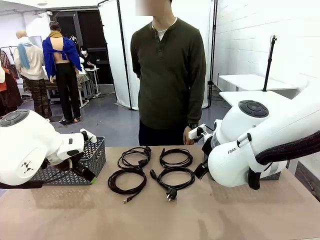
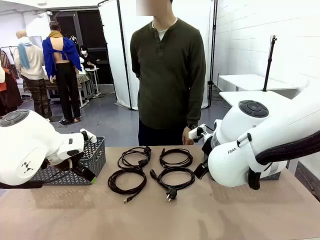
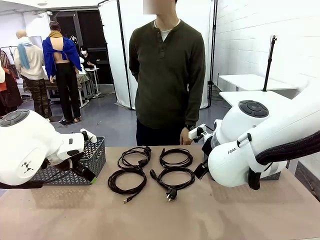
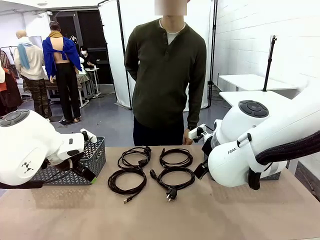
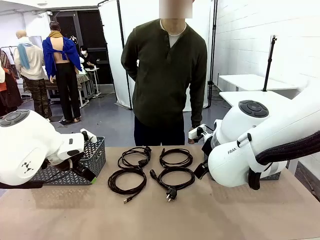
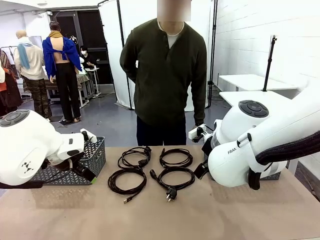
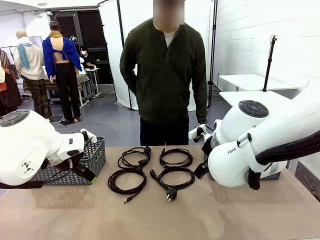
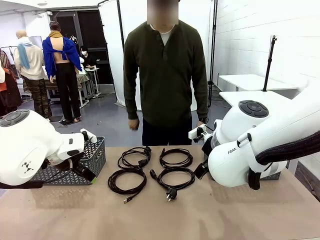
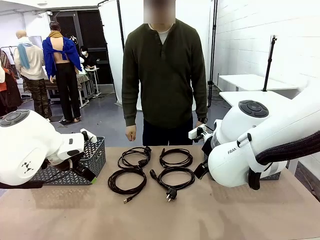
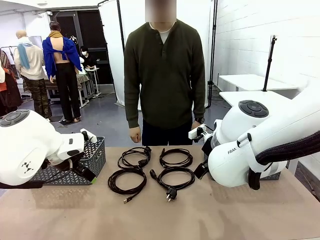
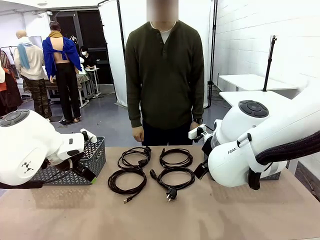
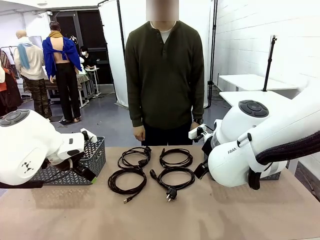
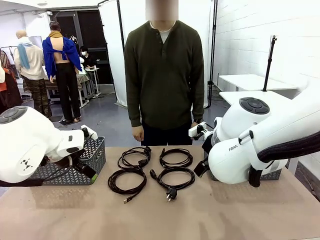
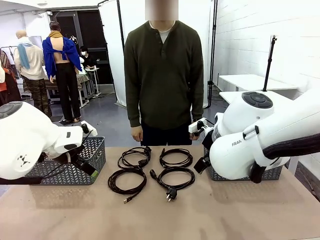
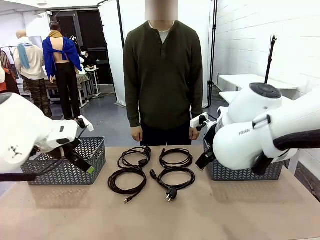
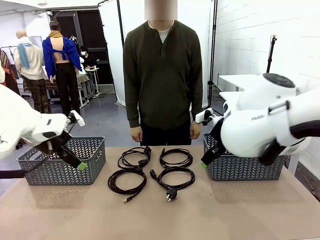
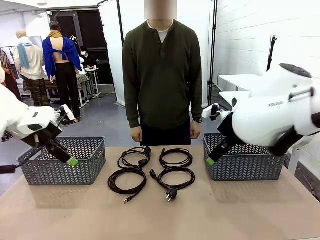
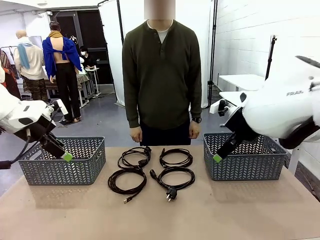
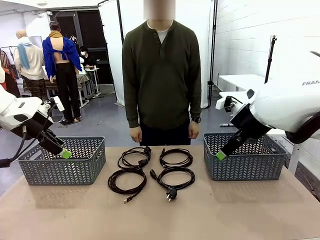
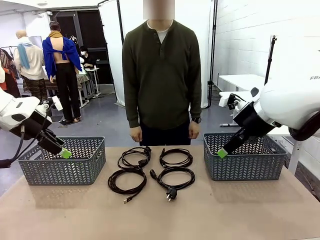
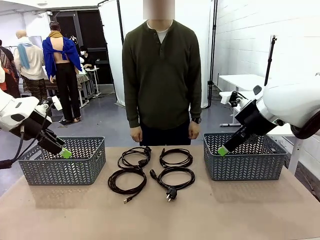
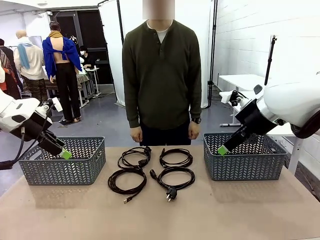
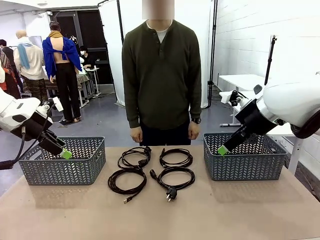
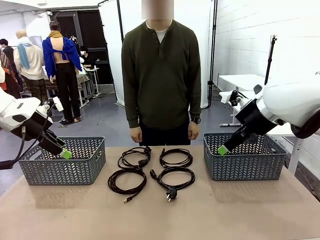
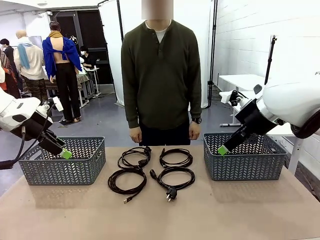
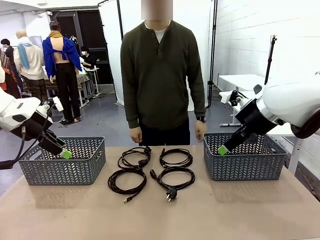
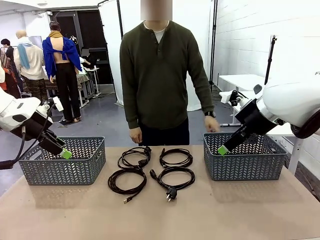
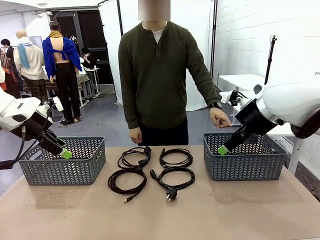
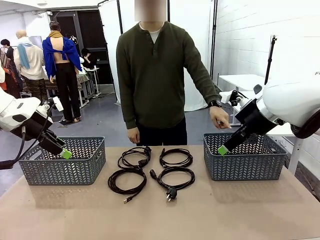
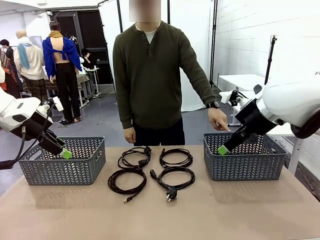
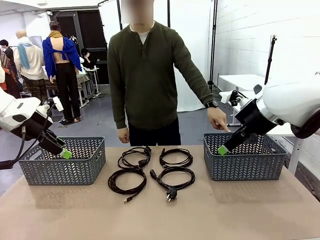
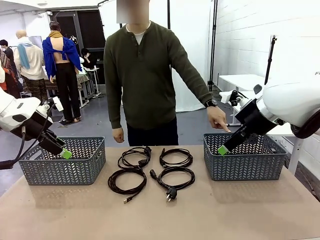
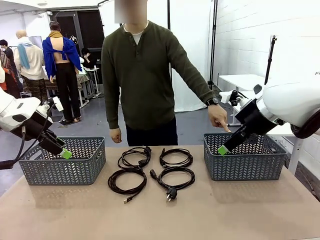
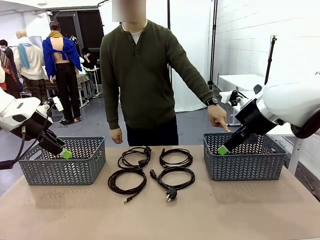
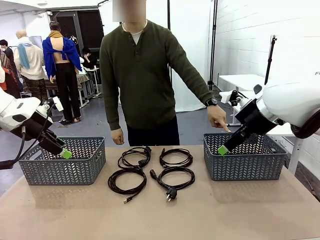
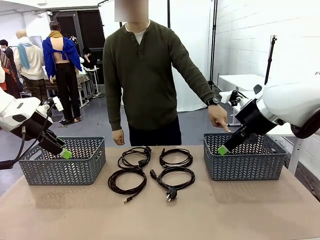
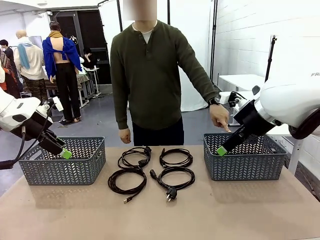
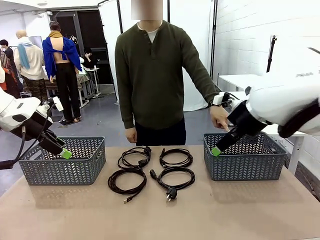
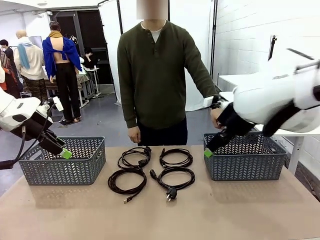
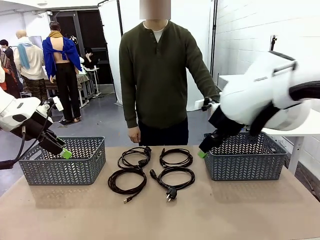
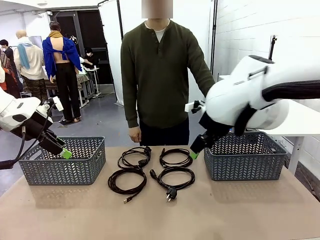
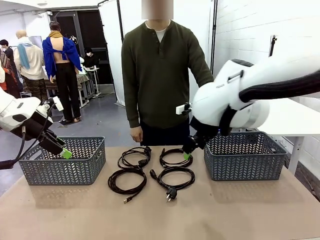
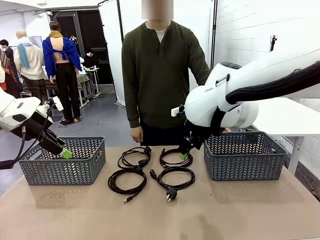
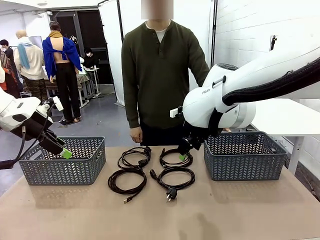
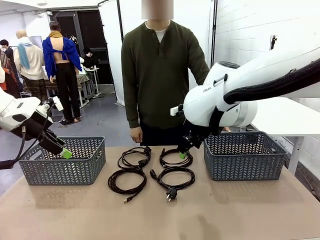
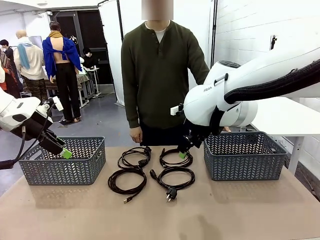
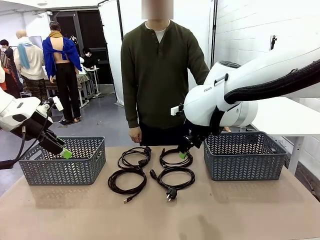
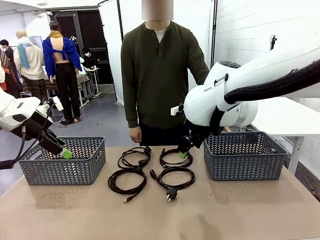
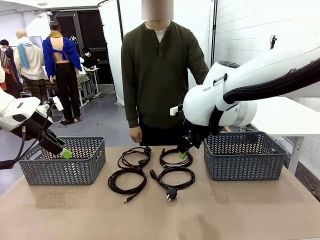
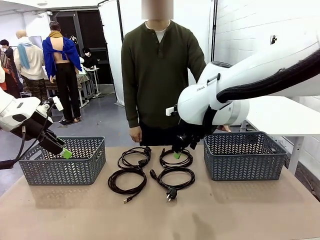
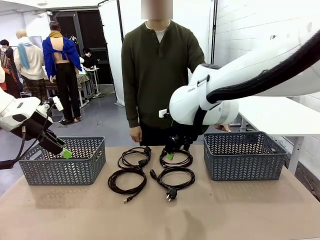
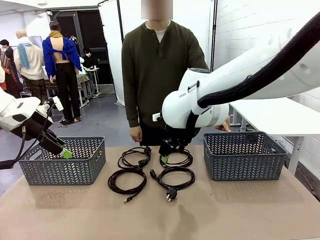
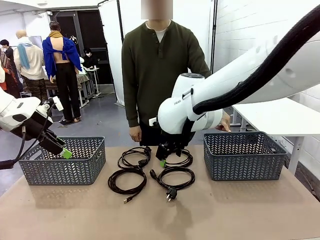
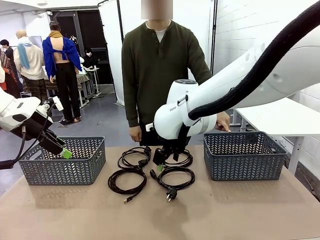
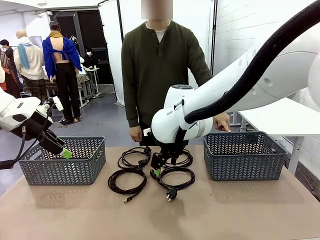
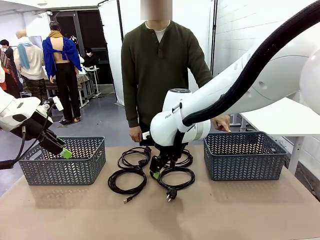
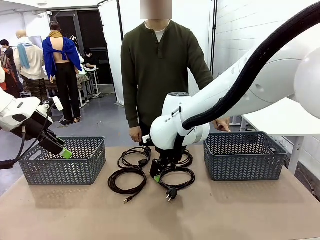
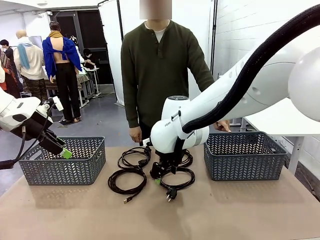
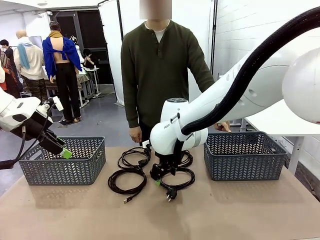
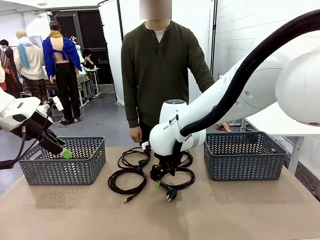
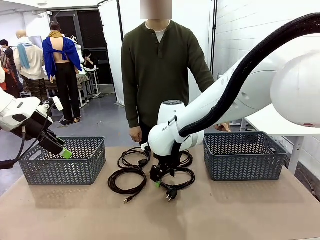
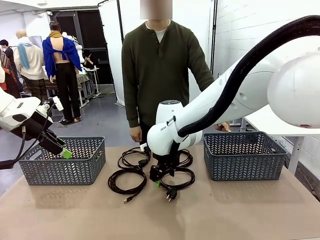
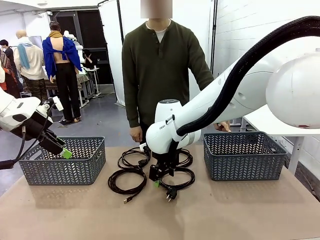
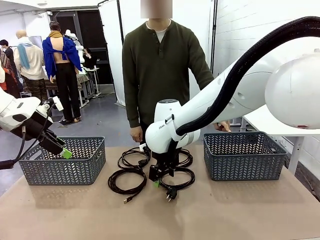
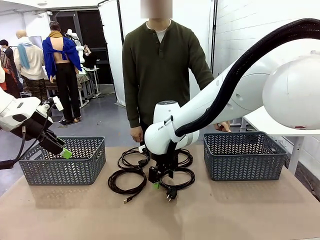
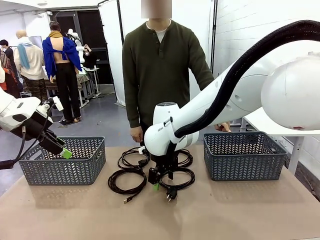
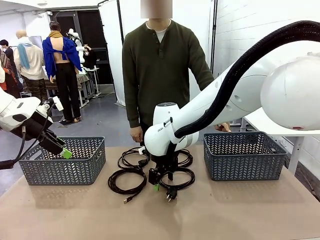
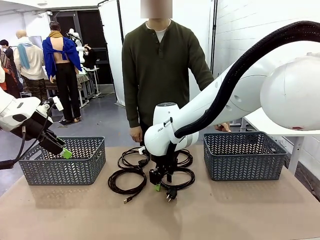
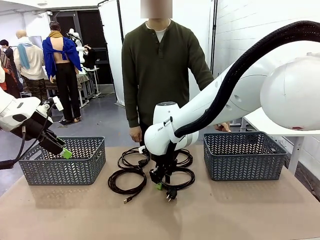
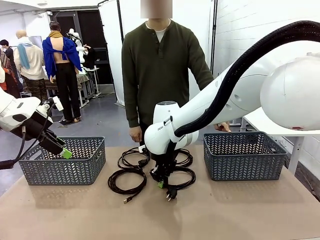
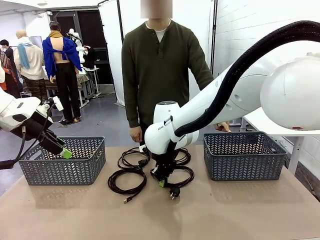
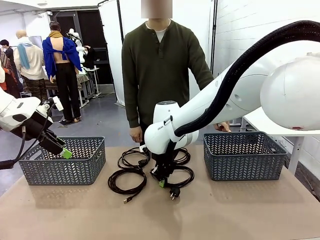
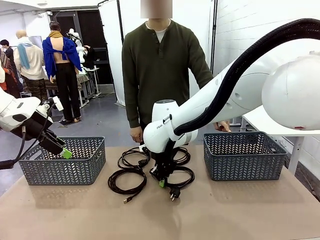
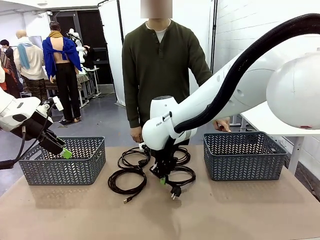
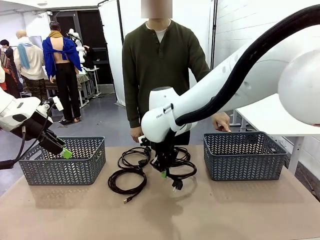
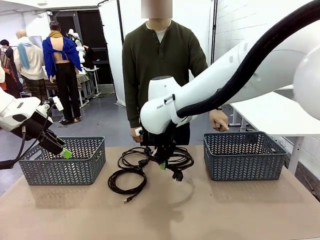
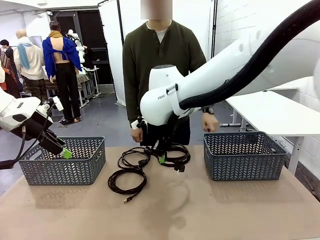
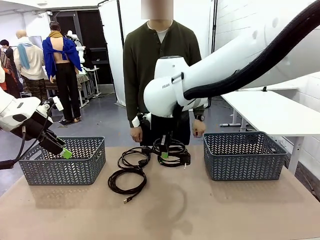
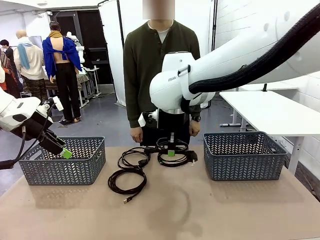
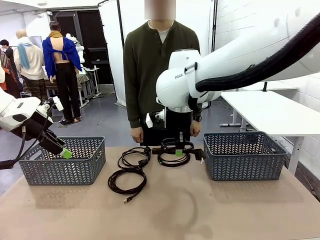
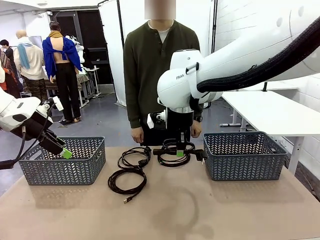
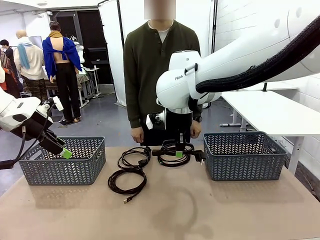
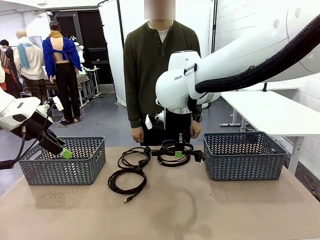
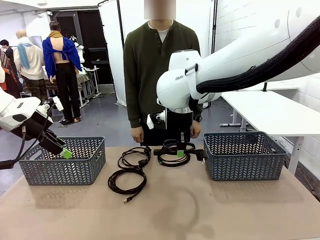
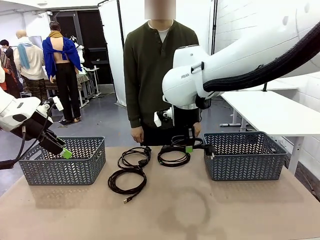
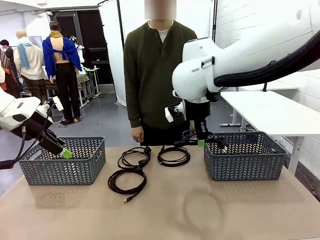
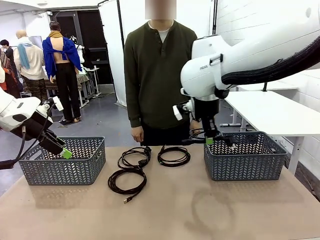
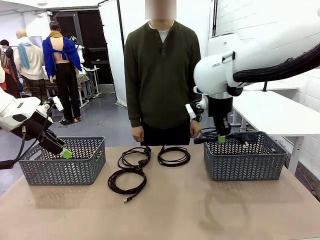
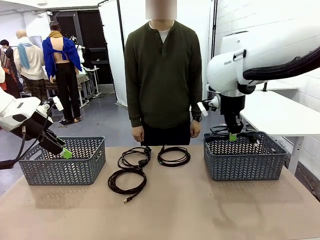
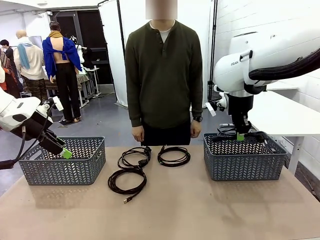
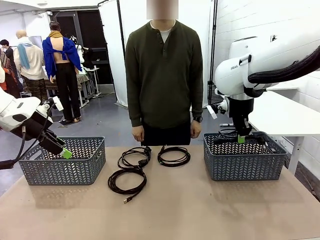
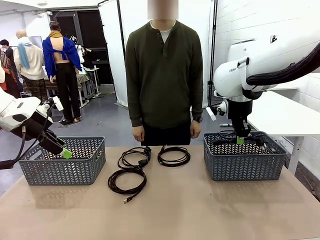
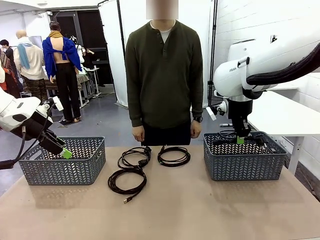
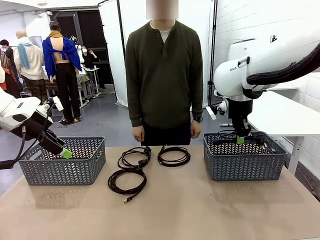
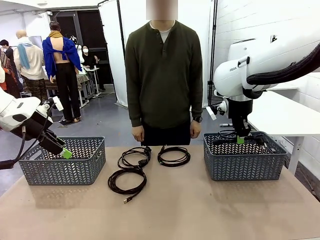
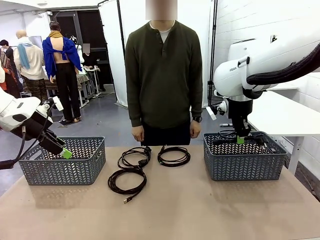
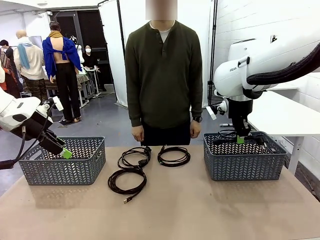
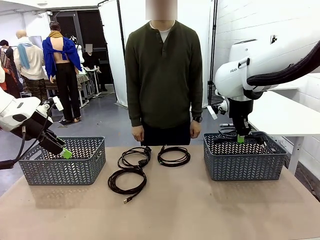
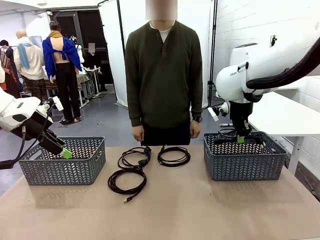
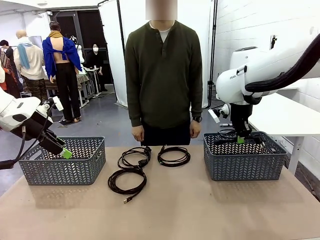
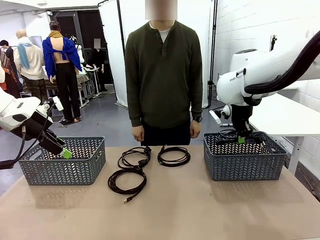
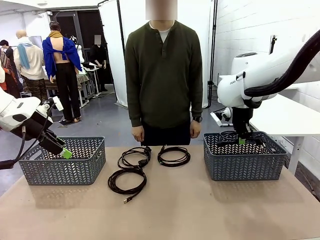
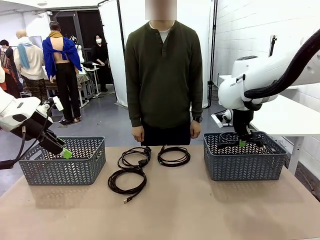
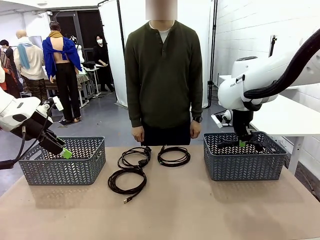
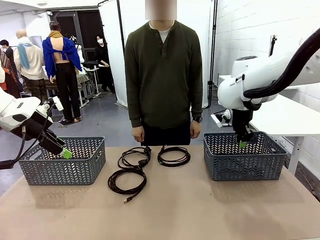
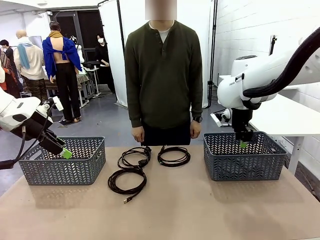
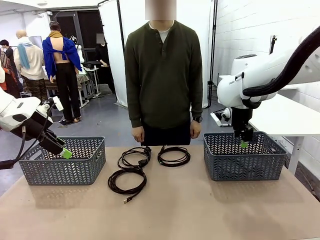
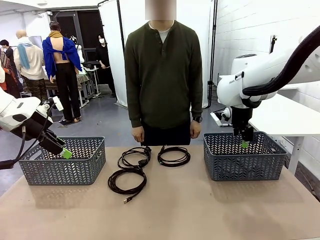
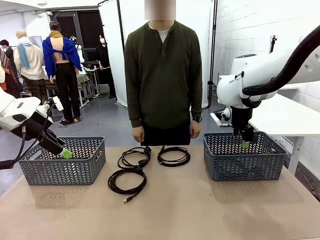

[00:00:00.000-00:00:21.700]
Task: Organize the cables according to human instructions.
Robot: Pick up a bundle of cables and place it in the basket indicated by the human.
